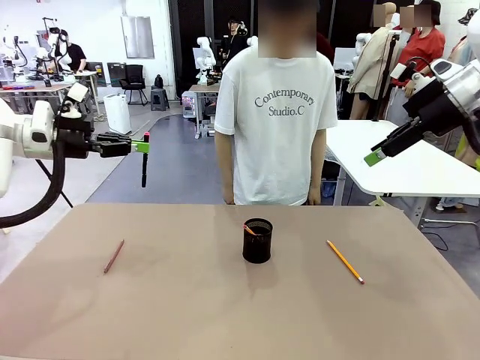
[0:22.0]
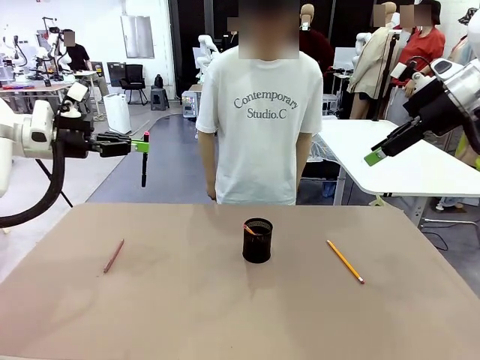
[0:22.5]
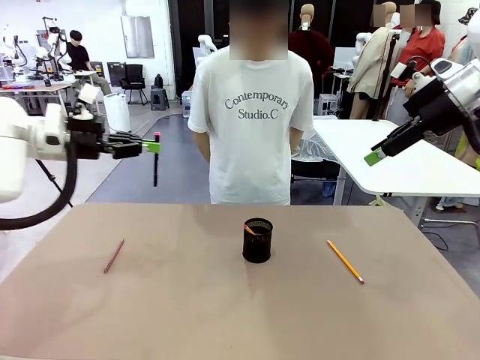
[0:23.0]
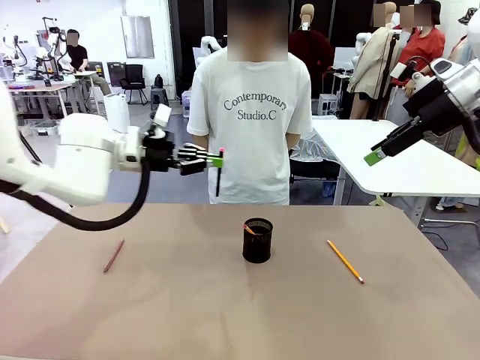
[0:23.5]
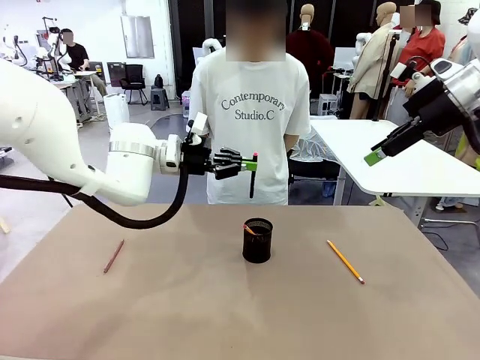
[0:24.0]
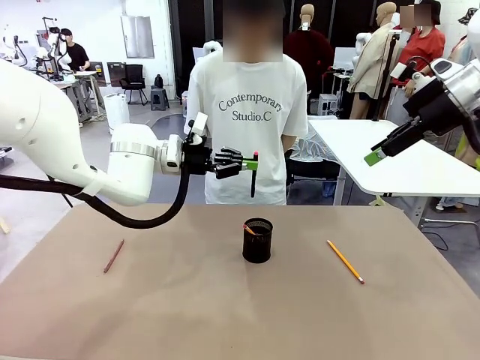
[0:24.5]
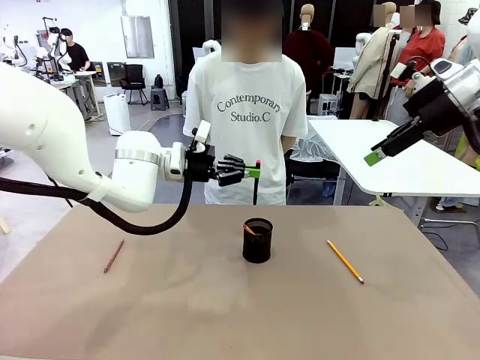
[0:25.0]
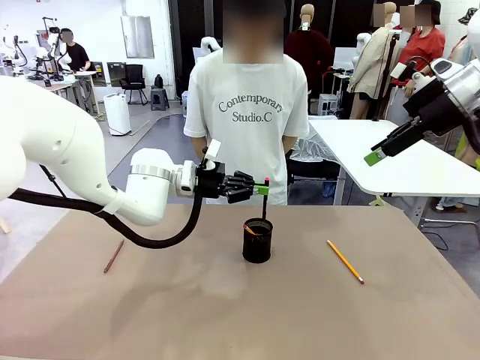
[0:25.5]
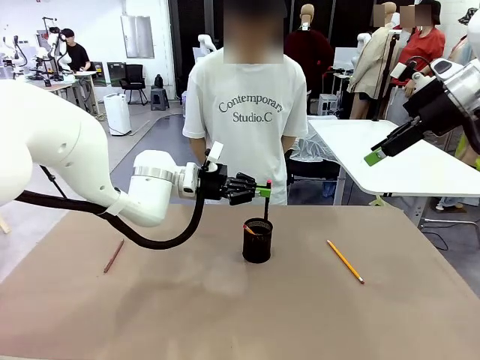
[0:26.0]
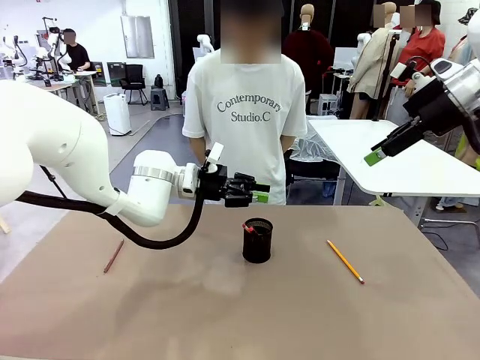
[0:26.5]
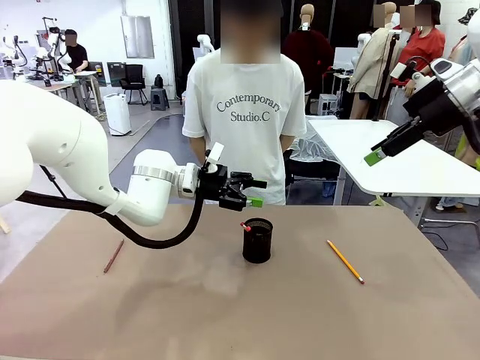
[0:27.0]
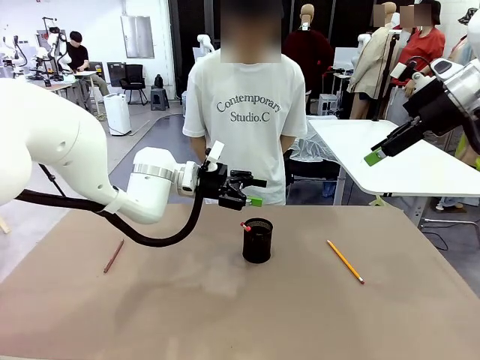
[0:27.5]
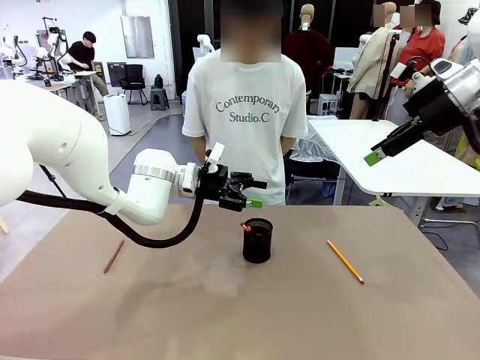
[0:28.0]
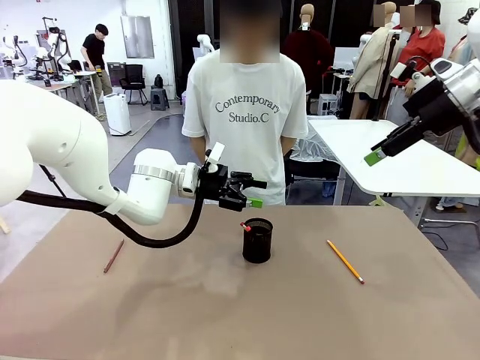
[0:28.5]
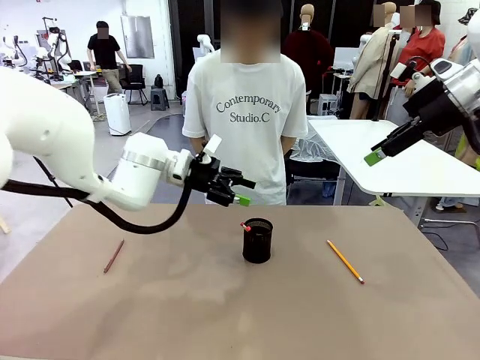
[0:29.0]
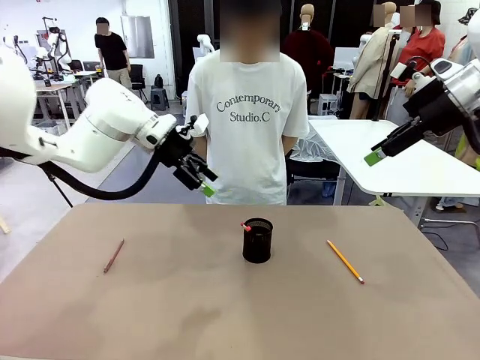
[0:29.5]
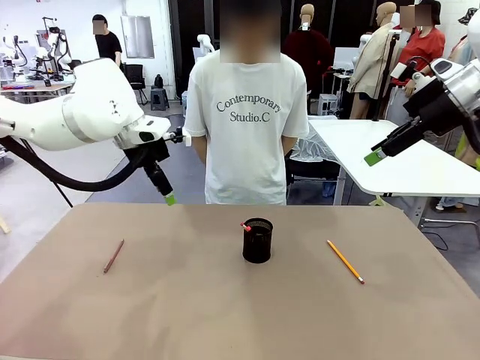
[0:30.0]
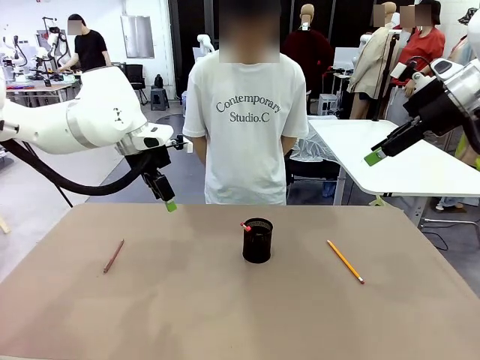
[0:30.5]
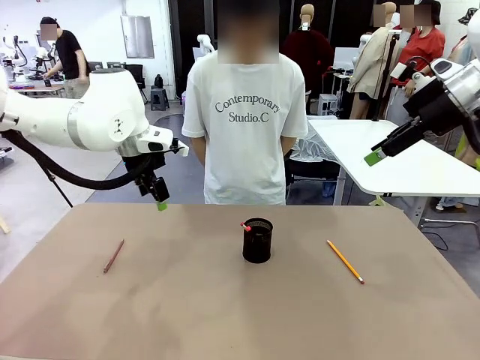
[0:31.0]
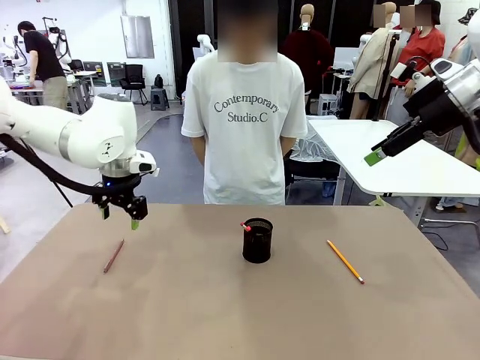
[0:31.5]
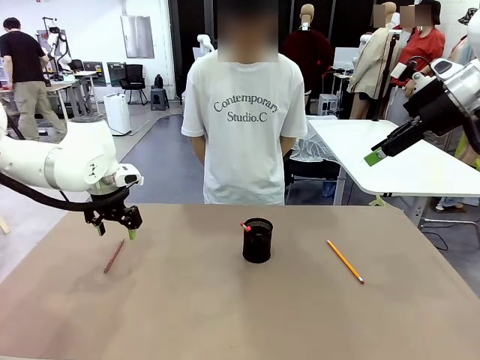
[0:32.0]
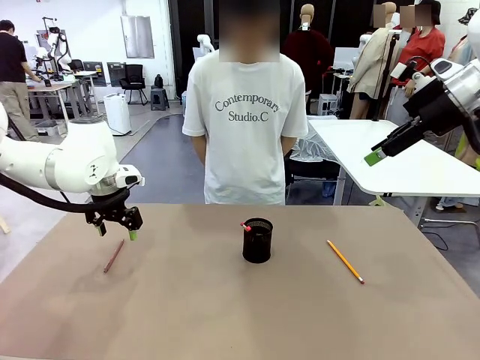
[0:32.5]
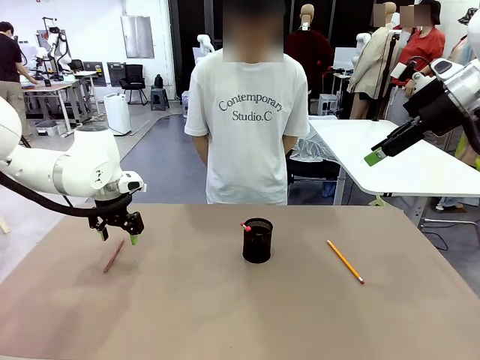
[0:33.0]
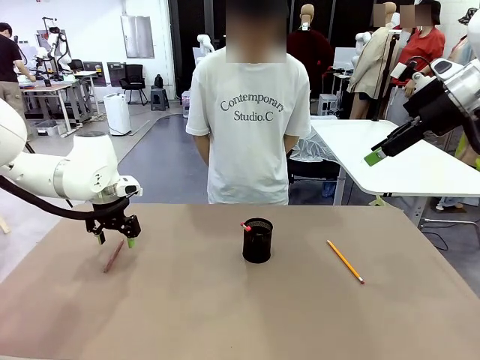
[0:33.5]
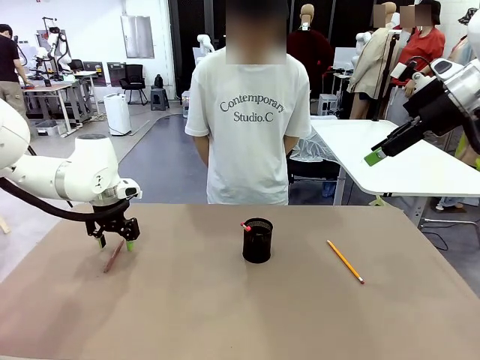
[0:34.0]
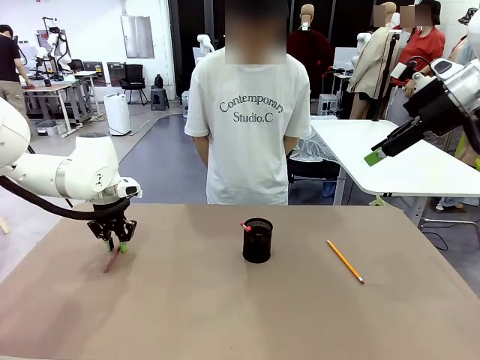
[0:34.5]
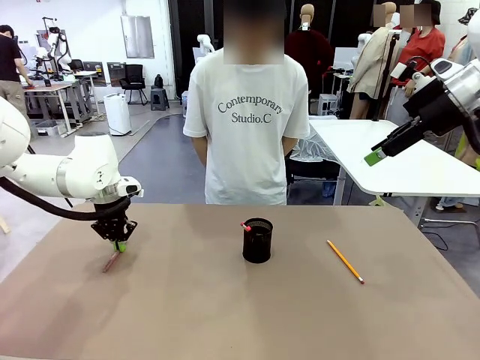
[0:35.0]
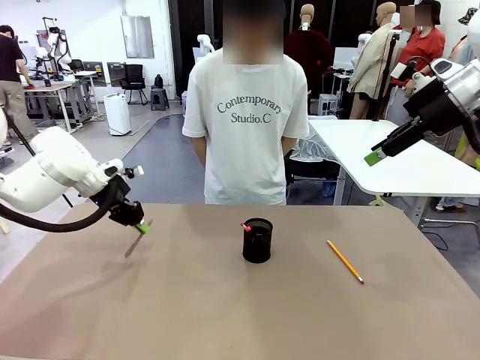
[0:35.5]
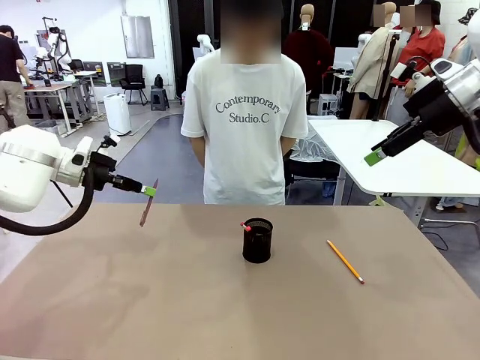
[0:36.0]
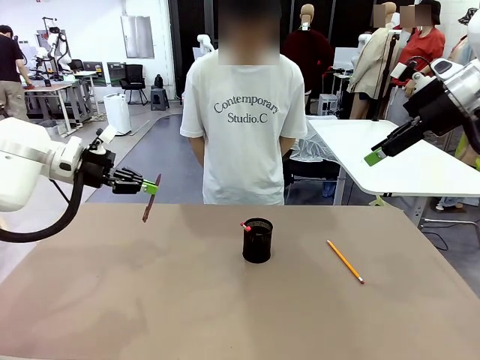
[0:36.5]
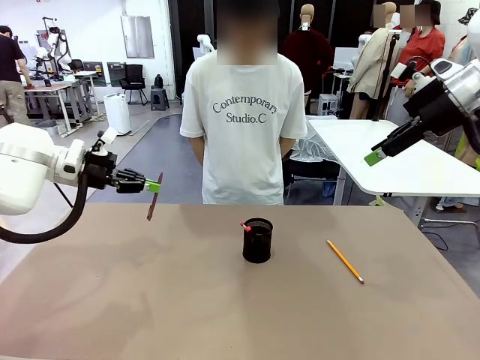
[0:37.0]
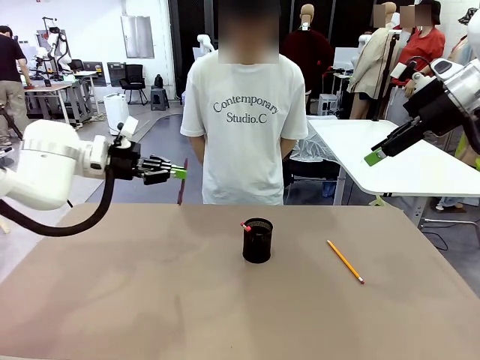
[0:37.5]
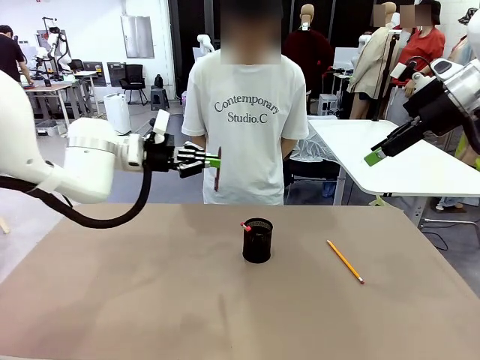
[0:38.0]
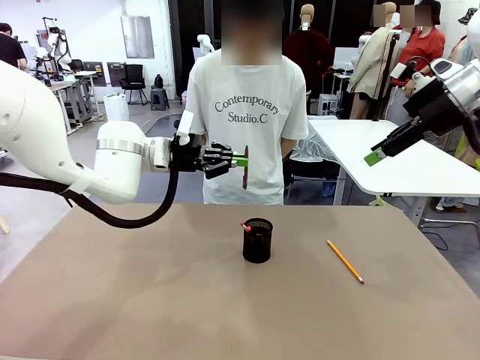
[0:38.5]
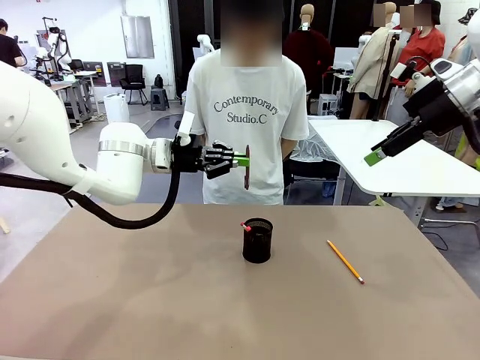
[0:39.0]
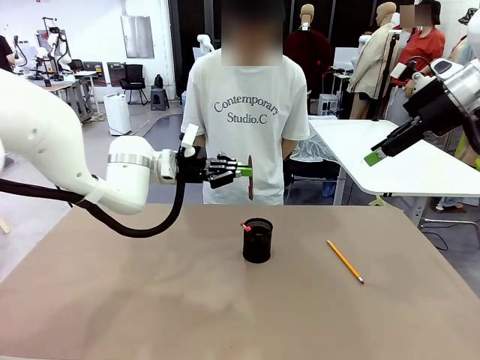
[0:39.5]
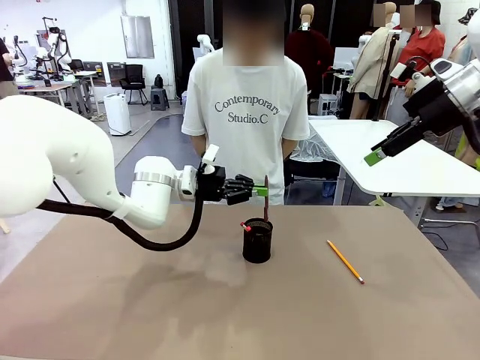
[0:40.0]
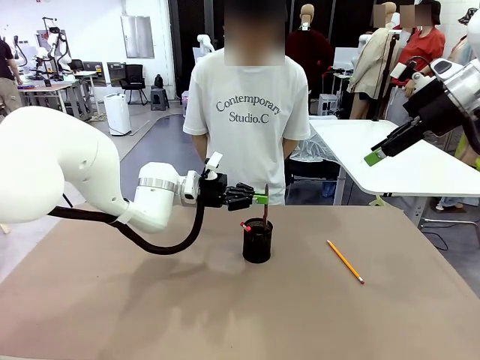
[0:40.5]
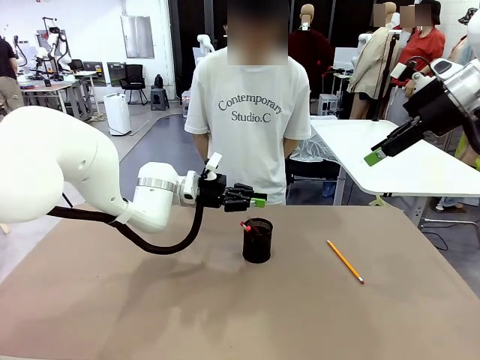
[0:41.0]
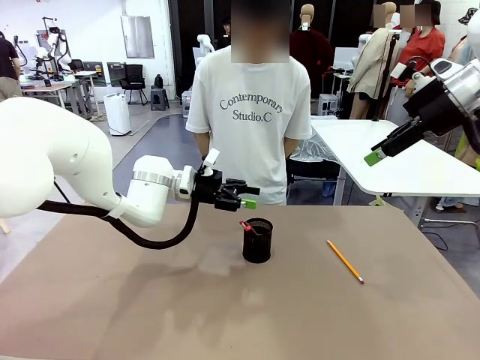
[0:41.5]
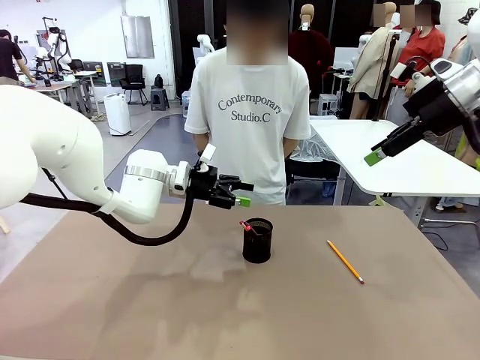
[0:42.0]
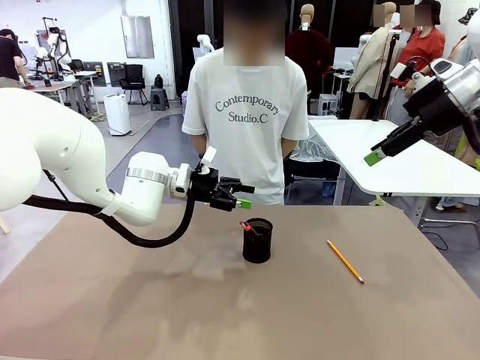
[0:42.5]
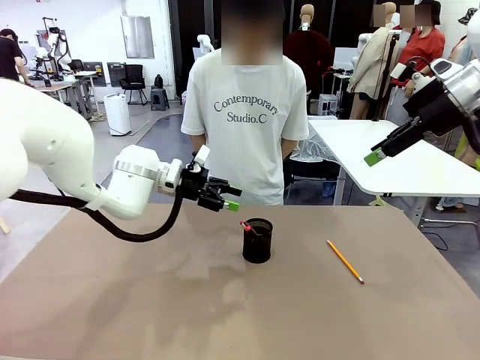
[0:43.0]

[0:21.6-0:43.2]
Task: Place the pens into the pen holder.
Robot: Pick up a writing instrument from the table and place it into the Pen holder.
